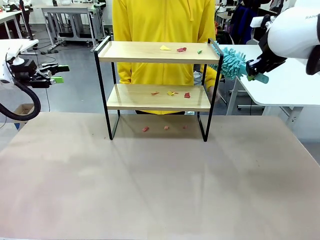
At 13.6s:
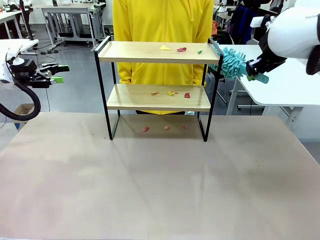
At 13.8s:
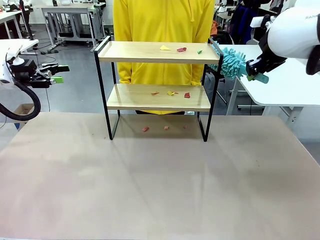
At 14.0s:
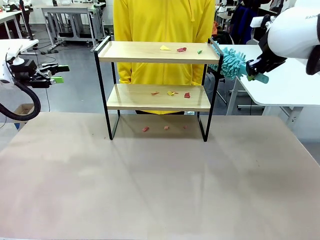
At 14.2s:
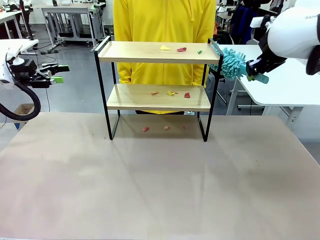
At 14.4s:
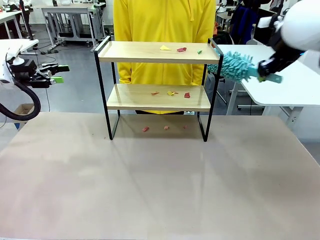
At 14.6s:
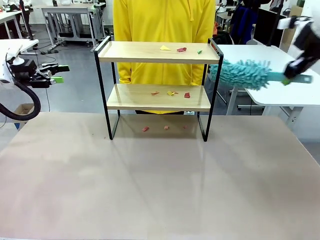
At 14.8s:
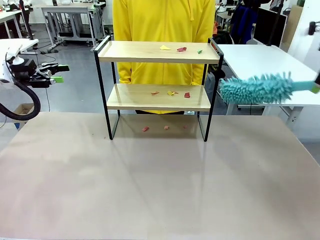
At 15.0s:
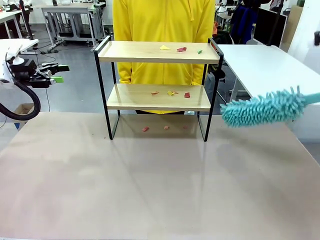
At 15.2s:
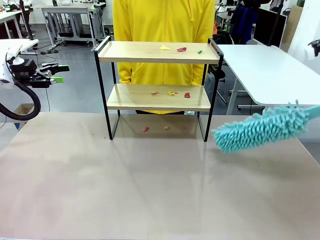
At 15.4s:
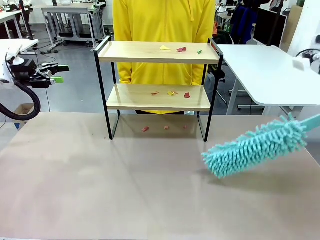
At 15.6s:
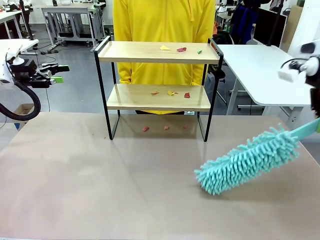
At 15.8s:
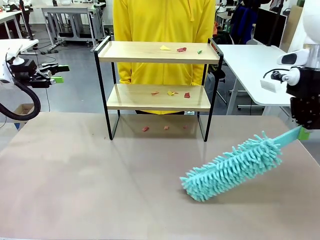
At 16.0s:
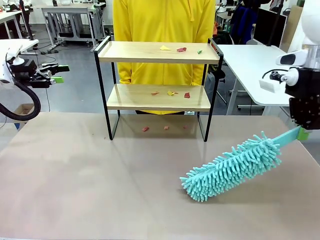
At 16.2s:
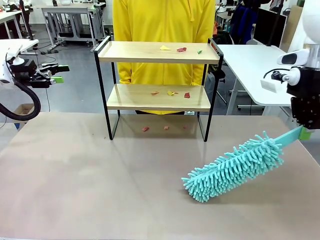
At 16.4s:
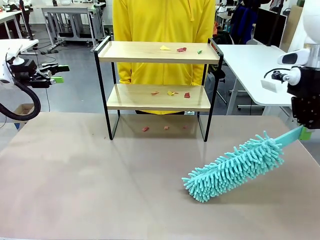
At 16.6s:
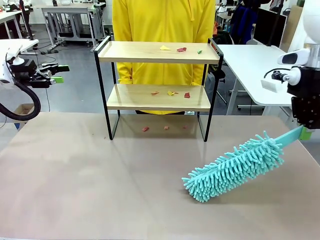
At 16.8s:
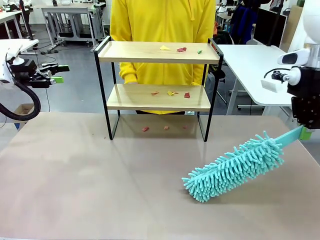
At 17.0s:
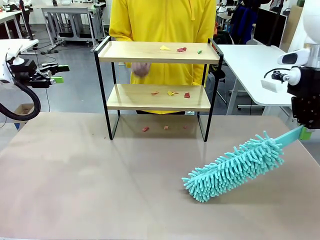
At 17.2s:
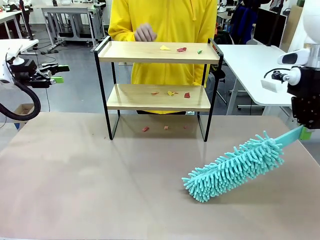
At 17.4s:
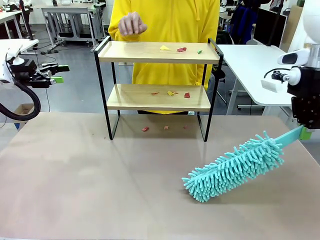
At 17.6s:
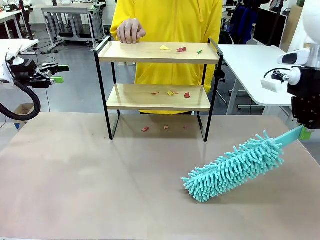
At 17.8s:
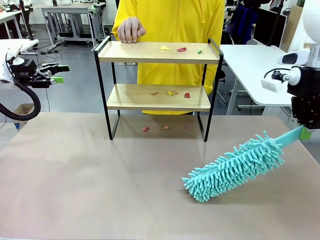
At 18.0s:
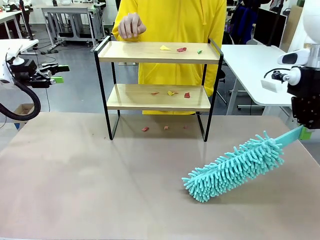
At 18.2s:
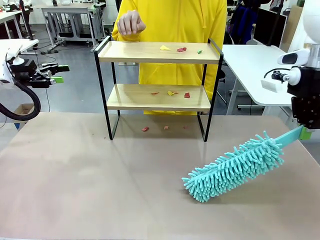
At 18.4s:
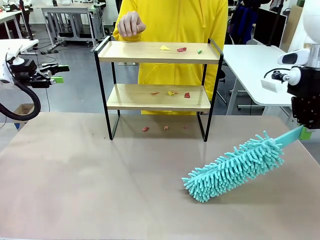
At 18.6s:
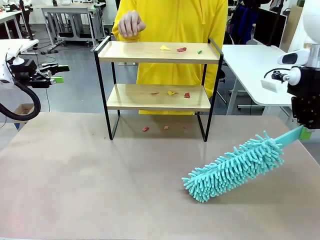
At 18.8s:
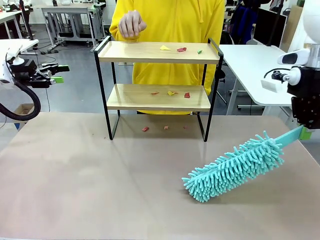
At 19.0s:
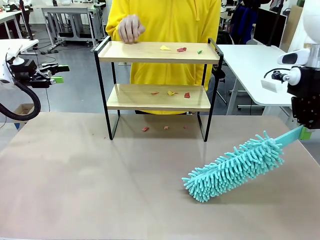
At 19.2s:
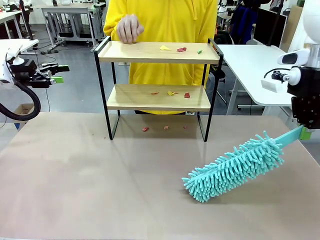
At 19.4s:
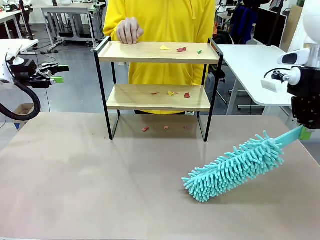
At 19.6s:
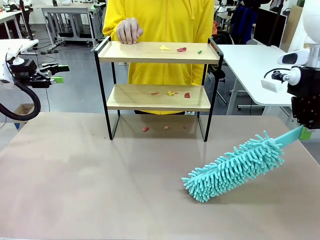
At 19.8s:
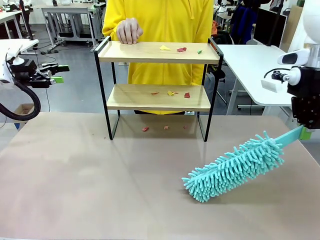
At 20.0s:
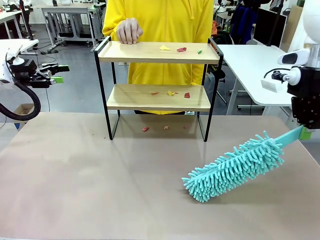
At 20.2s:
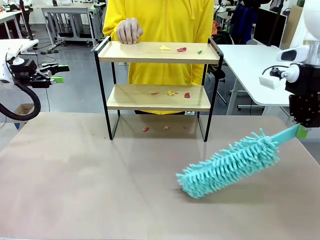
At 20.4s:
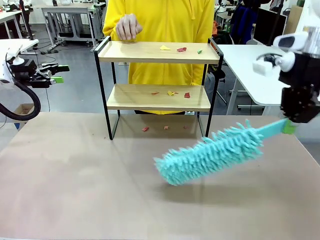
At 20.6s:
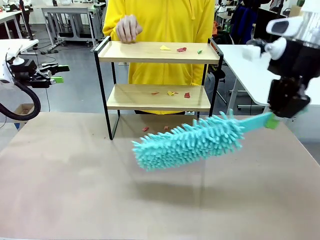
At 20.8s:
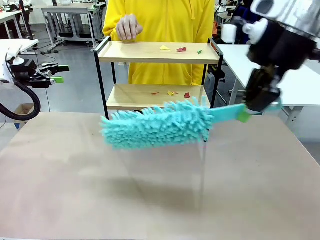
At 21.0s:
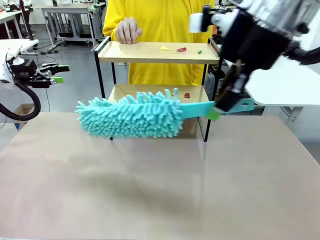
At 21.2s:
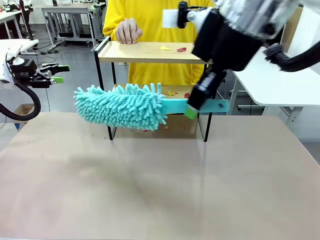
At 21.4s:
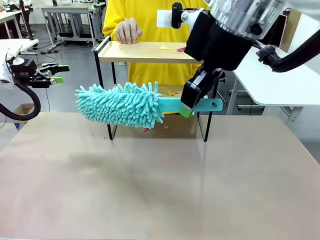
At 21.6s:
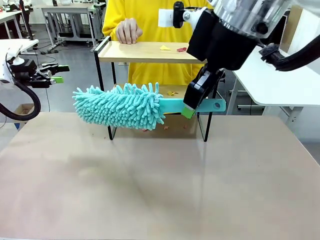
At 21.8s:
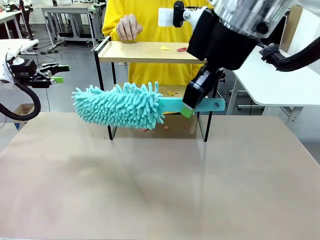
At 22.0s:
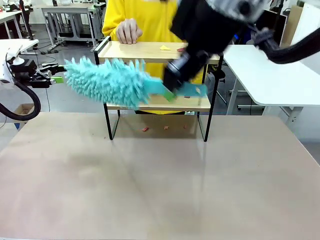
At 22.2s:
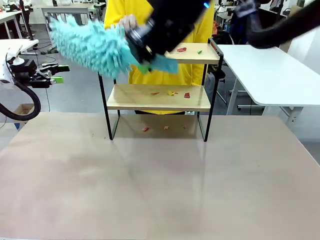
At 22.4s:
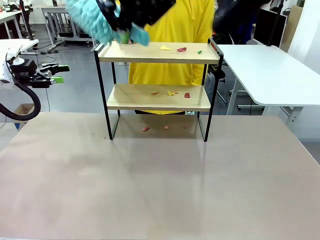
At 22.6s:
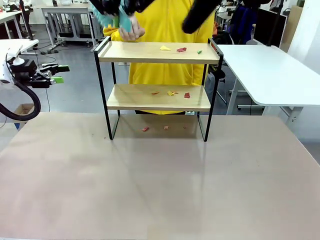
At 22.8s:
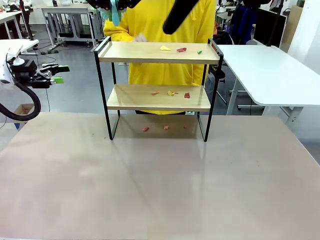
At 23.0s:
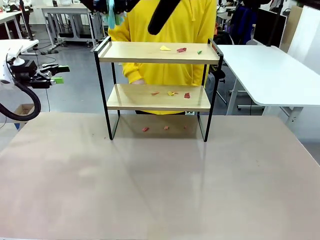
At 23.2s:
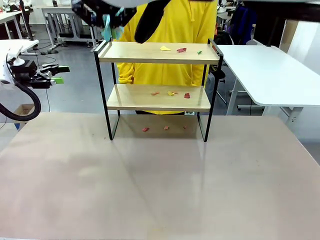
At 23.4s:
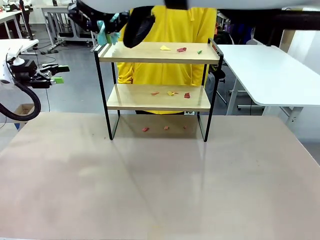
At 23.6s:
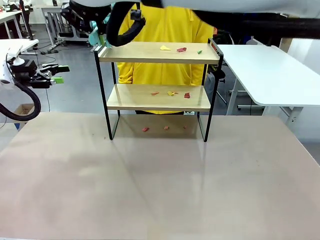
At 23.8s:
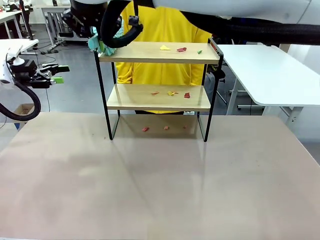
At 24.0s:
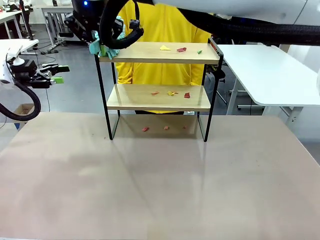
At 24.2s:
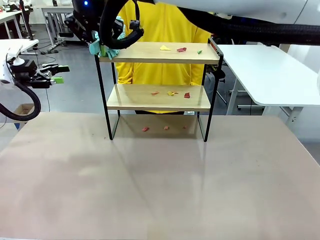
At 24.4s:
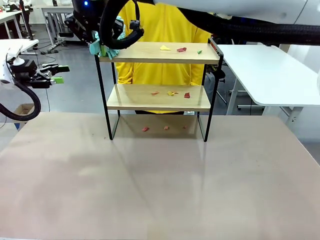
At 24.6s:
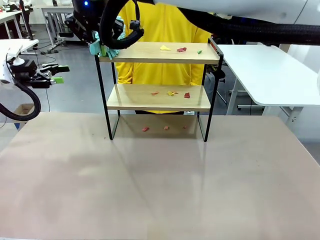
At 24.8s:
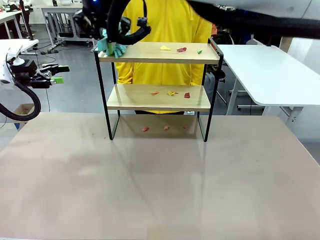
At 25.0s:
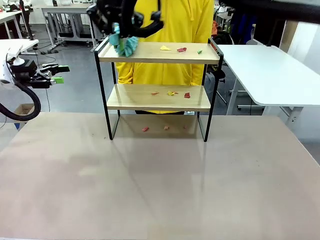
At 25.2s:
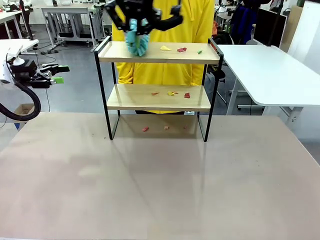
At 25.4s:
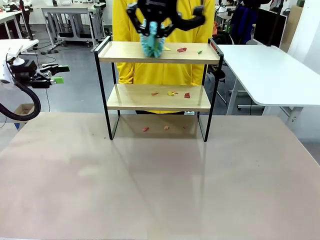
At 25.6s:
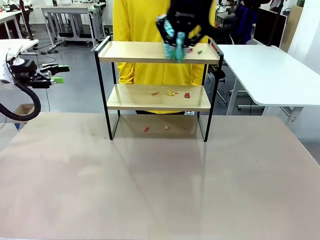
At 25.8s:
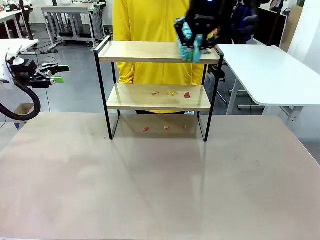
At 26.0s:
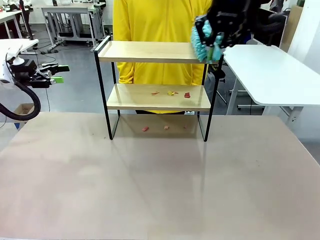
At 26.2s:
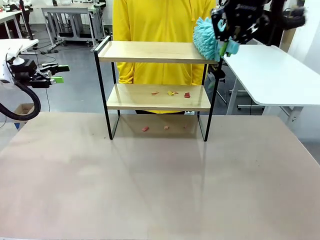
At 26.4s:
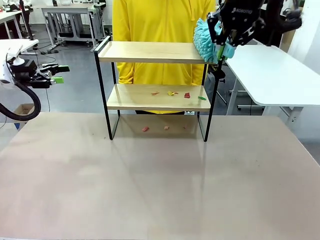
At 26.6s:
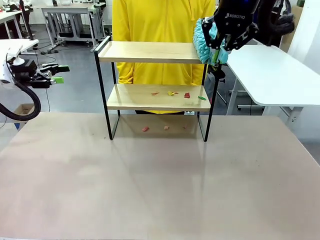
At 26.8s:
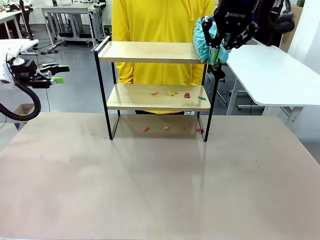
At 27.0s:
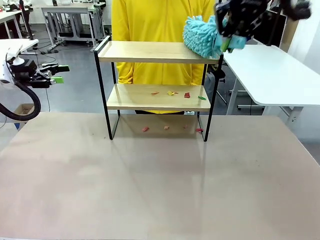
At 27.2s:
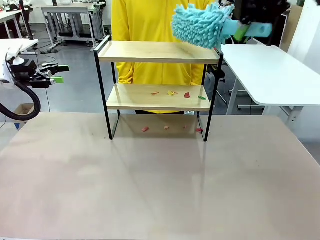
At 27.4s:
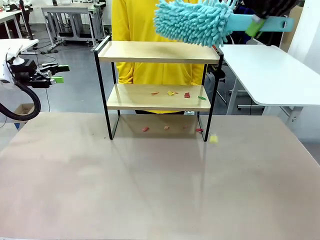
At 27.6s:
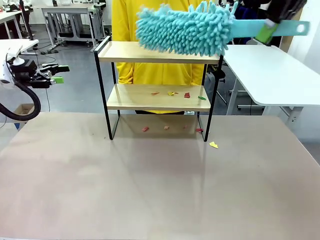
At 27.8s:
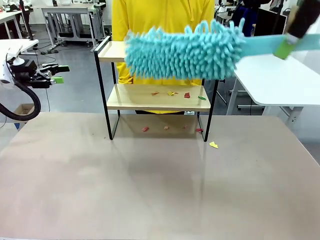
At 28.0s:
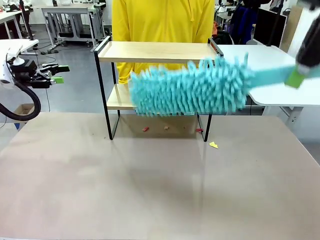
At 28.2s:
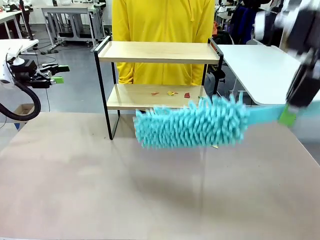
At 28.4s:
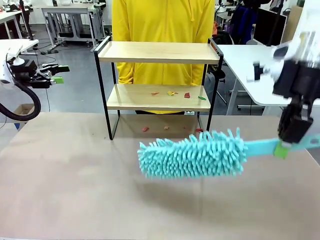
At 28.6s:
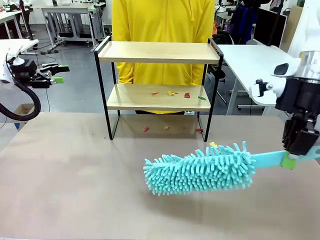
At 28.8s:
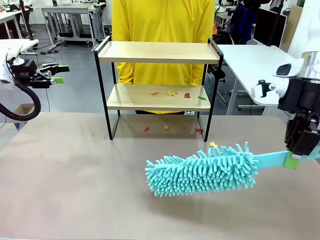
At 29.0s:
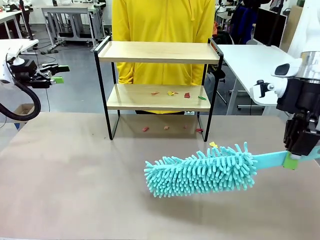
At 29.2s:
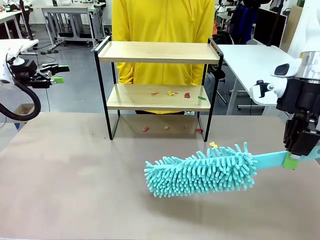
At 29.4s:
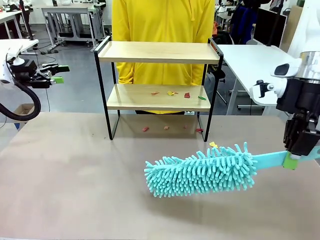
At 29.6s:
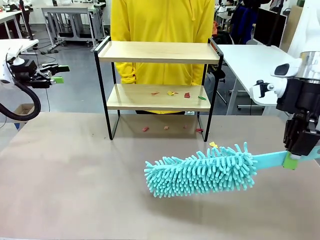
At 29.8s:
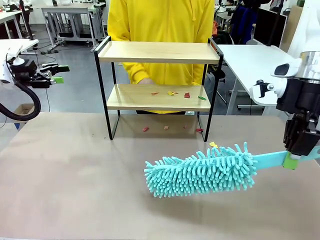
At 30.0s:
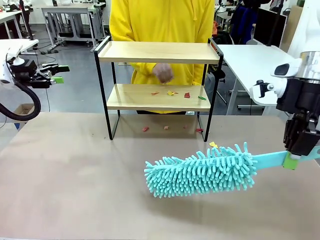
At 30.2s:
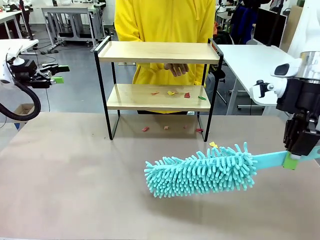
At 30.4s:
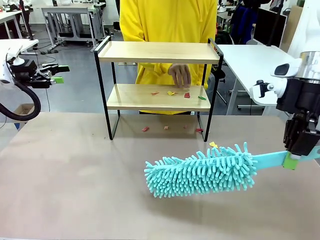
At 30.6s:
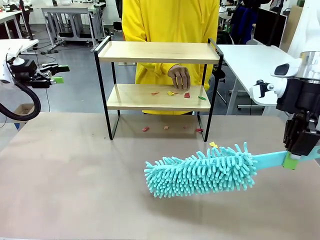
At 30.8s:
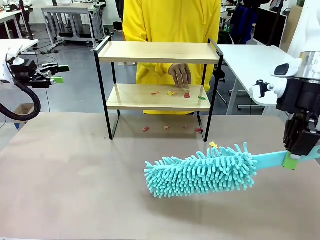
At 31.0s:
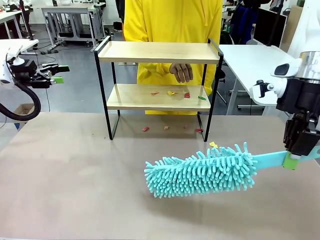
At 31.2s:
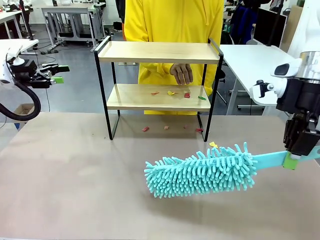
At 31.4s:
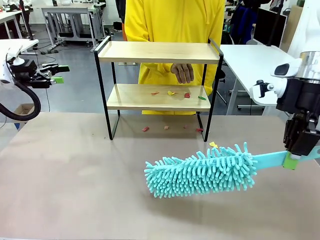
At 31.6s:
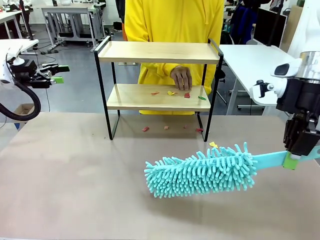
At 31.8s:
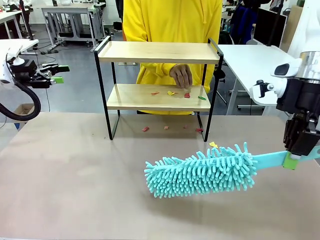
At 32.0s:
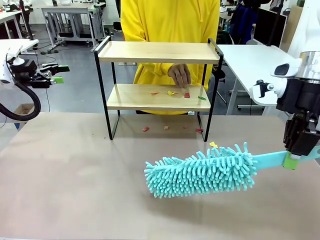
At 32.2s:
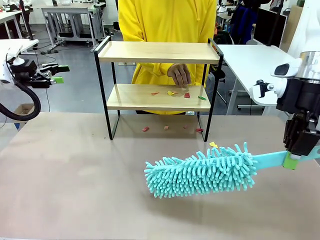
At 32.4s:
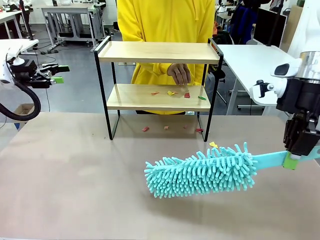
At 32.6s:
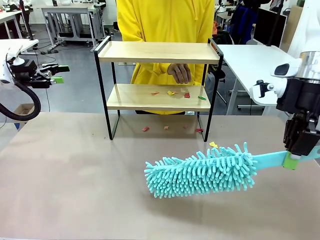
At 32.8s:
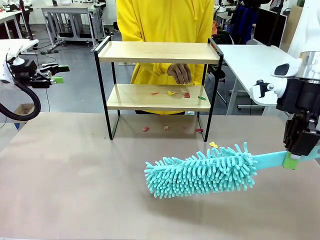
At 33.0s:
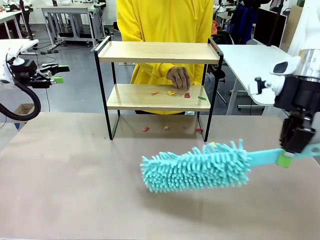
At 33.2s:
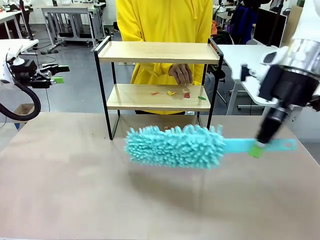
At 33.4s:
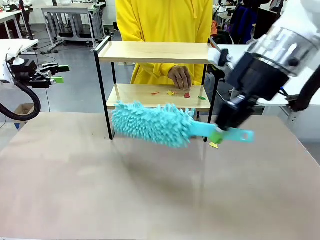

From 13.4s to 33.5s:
Task: Clean the shelf.
Robot: Clean the specific section of the Shelf indicated by the human with the Duster.
Person: Point a random section of the Shelf.
